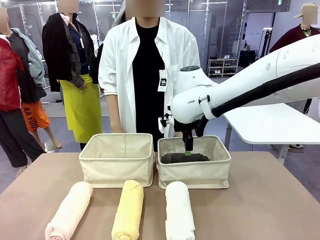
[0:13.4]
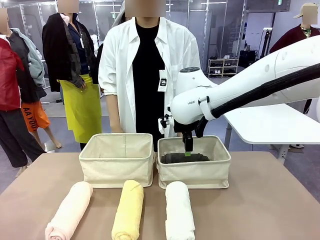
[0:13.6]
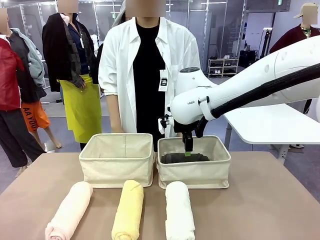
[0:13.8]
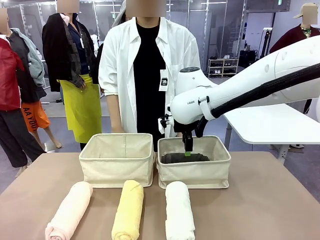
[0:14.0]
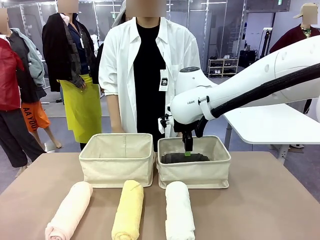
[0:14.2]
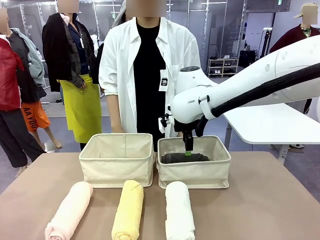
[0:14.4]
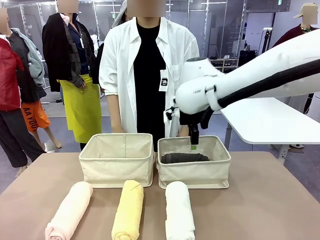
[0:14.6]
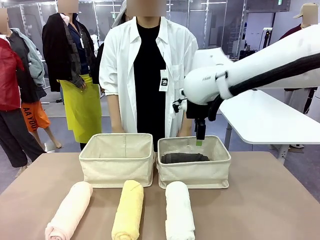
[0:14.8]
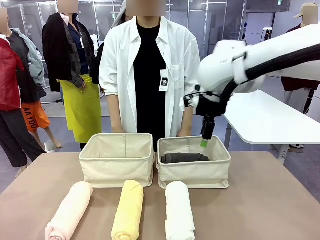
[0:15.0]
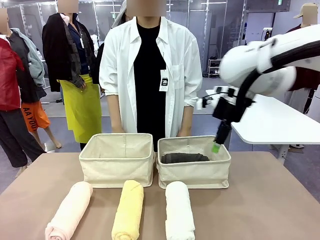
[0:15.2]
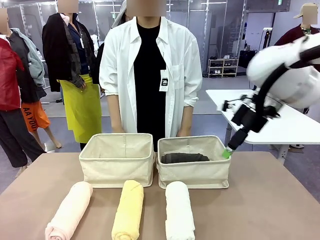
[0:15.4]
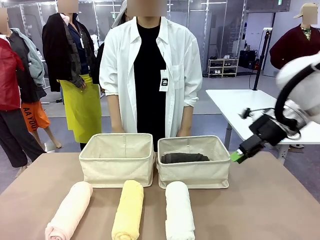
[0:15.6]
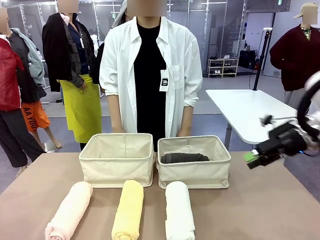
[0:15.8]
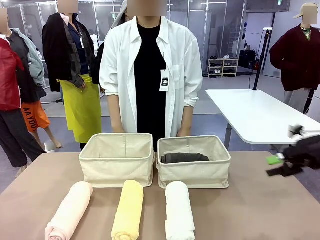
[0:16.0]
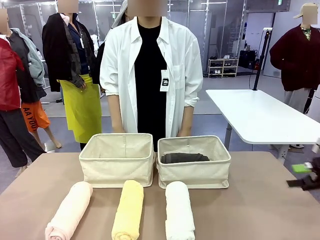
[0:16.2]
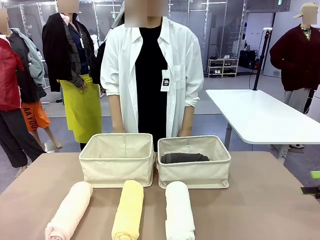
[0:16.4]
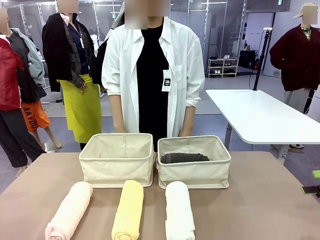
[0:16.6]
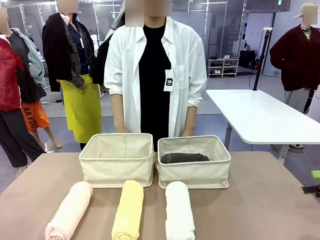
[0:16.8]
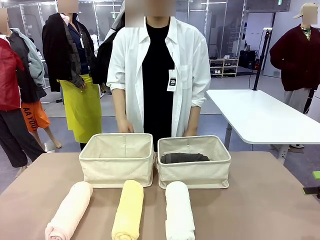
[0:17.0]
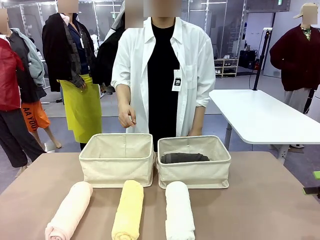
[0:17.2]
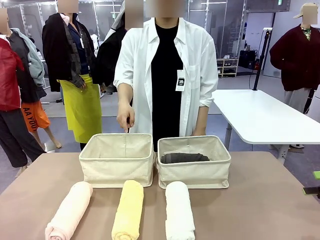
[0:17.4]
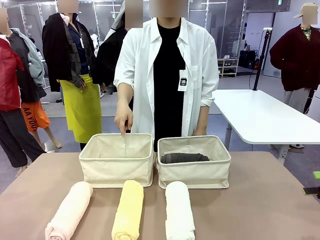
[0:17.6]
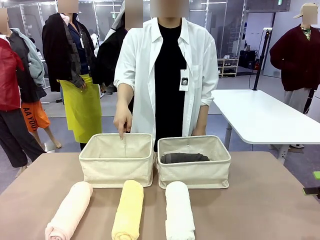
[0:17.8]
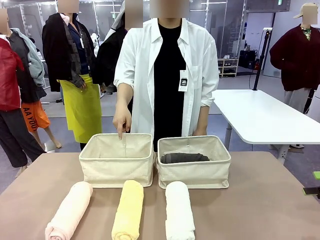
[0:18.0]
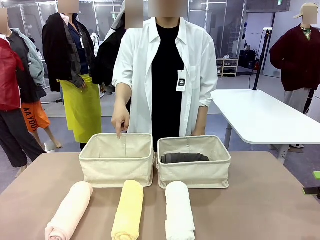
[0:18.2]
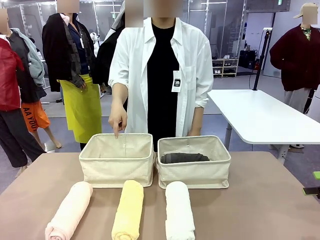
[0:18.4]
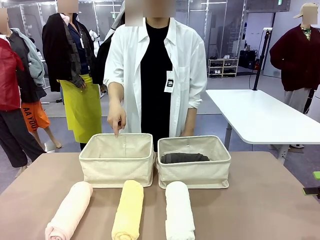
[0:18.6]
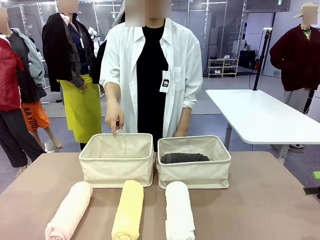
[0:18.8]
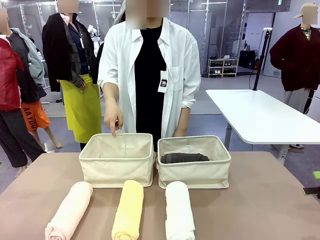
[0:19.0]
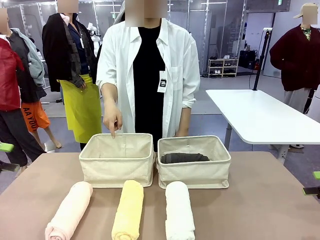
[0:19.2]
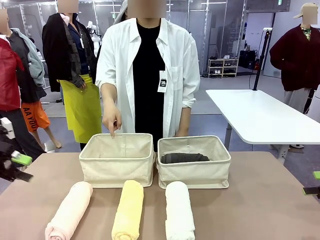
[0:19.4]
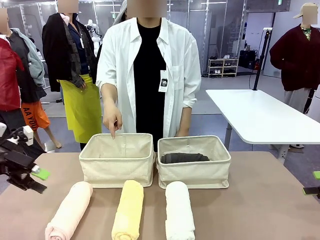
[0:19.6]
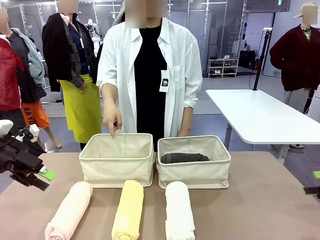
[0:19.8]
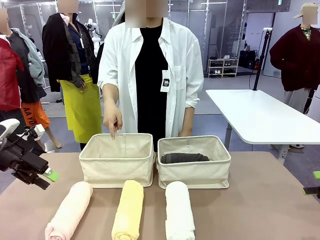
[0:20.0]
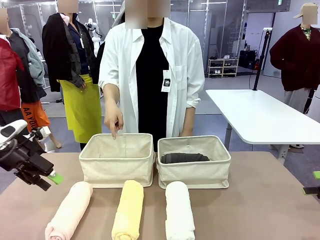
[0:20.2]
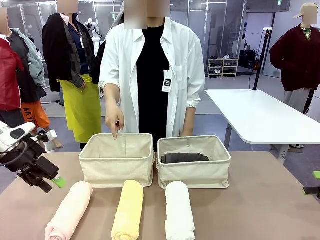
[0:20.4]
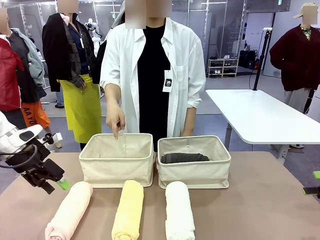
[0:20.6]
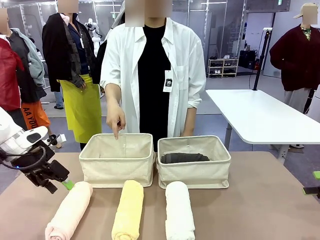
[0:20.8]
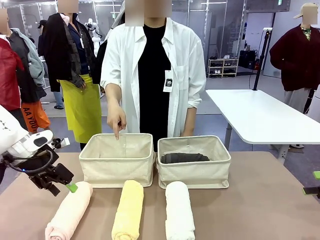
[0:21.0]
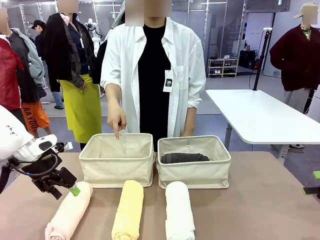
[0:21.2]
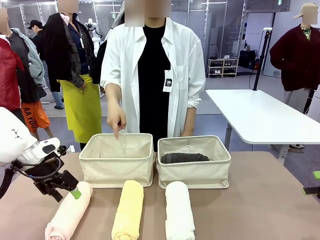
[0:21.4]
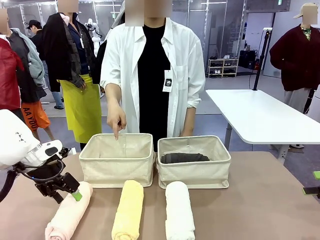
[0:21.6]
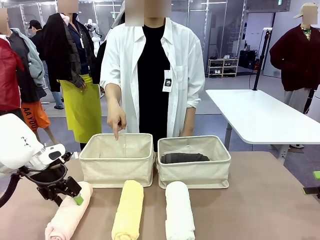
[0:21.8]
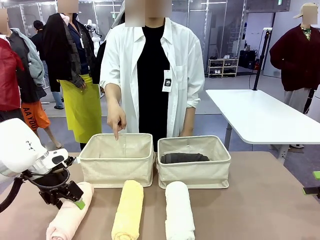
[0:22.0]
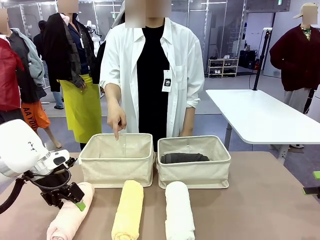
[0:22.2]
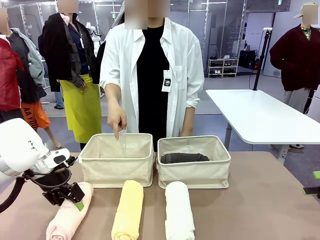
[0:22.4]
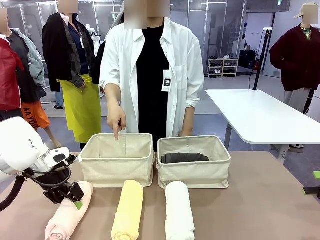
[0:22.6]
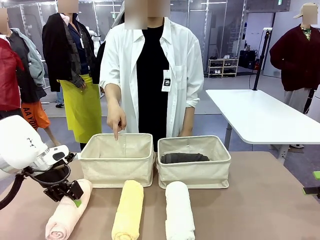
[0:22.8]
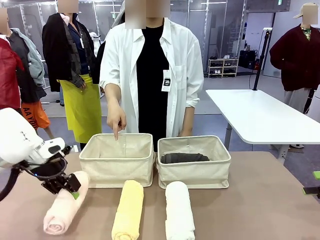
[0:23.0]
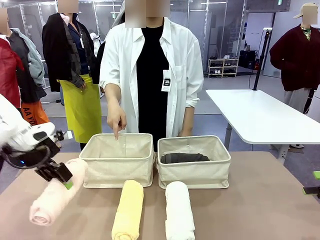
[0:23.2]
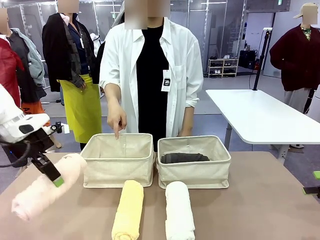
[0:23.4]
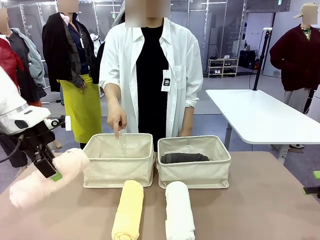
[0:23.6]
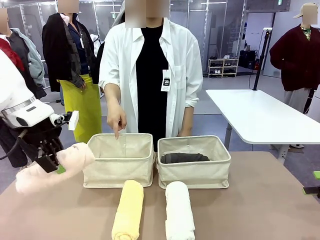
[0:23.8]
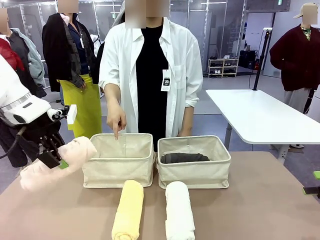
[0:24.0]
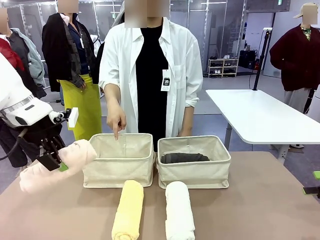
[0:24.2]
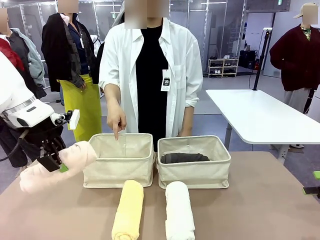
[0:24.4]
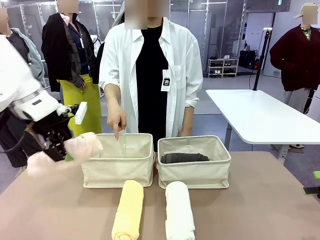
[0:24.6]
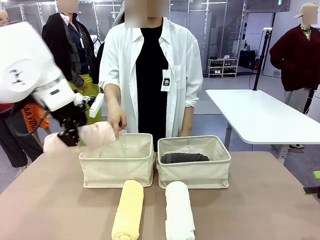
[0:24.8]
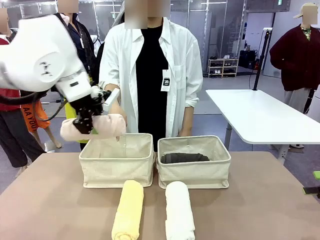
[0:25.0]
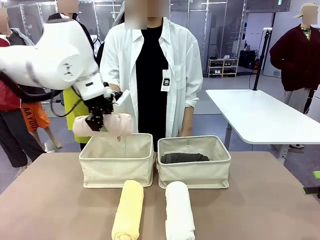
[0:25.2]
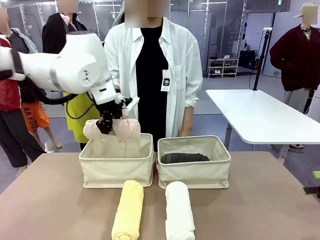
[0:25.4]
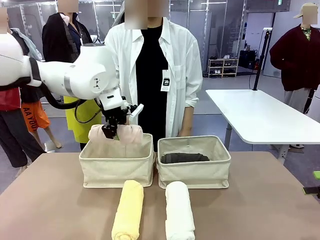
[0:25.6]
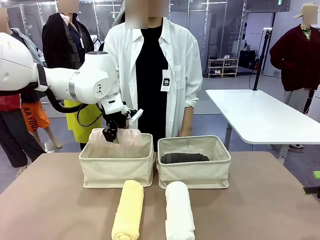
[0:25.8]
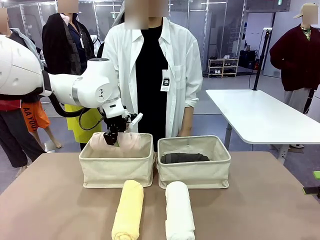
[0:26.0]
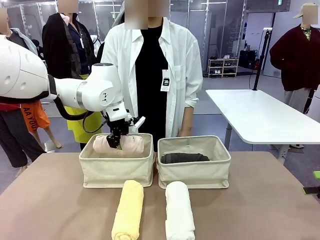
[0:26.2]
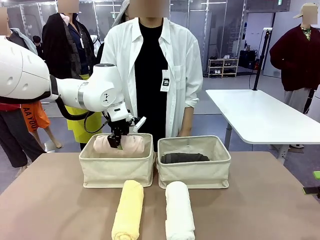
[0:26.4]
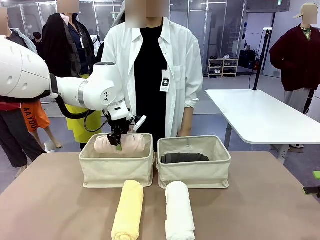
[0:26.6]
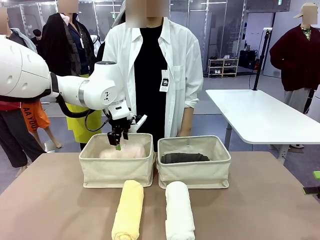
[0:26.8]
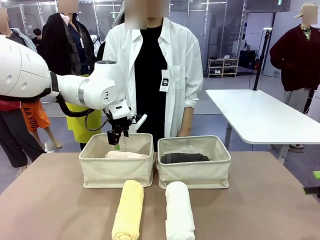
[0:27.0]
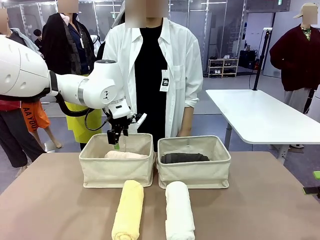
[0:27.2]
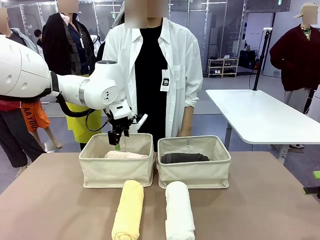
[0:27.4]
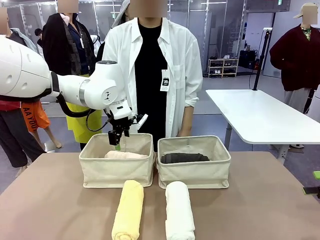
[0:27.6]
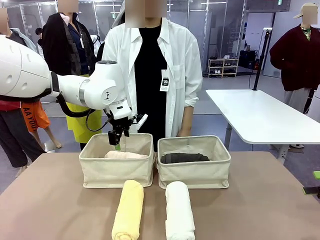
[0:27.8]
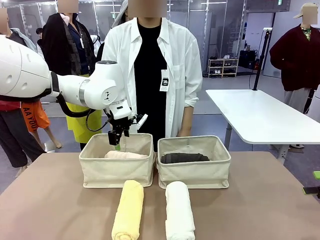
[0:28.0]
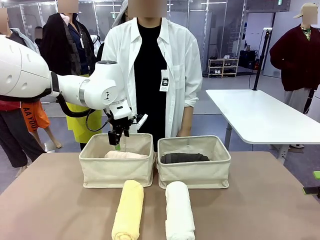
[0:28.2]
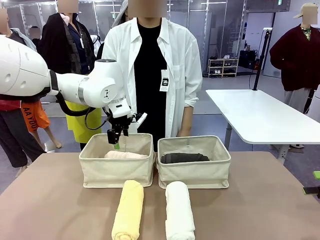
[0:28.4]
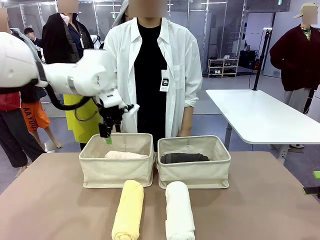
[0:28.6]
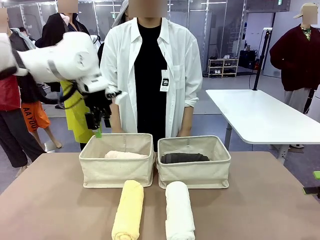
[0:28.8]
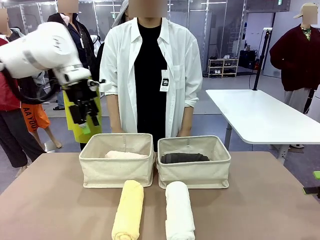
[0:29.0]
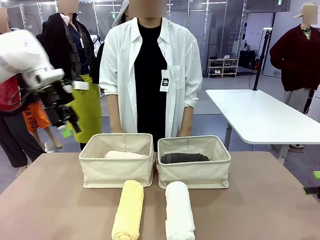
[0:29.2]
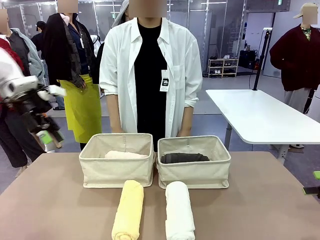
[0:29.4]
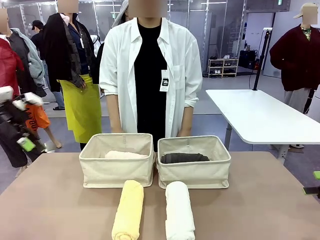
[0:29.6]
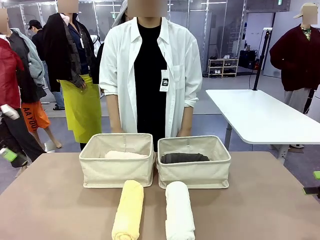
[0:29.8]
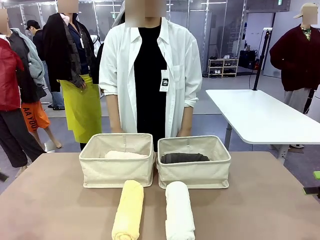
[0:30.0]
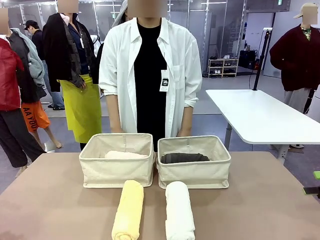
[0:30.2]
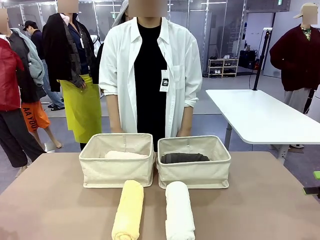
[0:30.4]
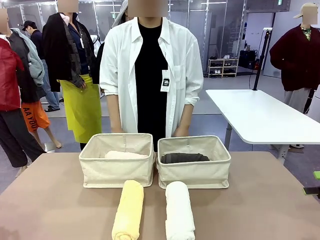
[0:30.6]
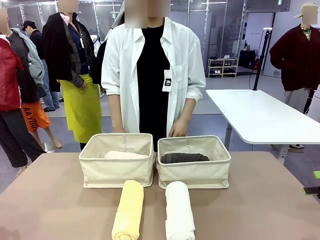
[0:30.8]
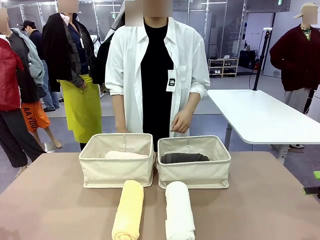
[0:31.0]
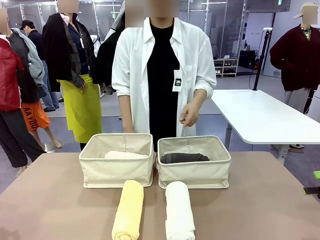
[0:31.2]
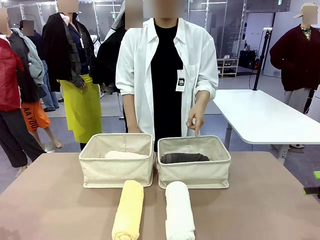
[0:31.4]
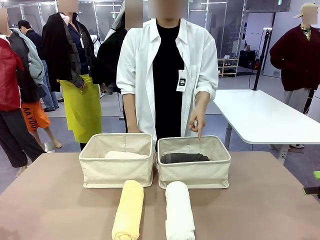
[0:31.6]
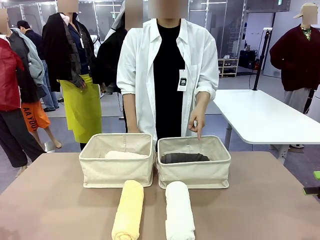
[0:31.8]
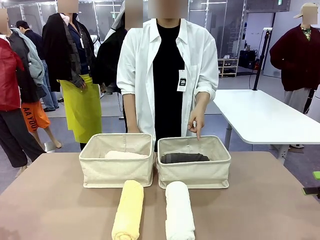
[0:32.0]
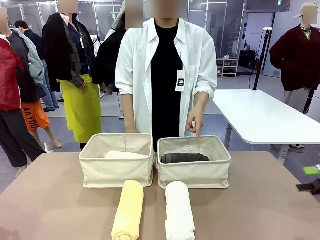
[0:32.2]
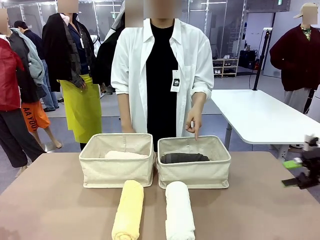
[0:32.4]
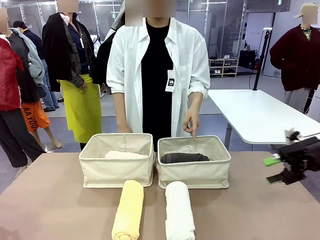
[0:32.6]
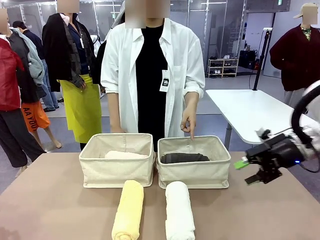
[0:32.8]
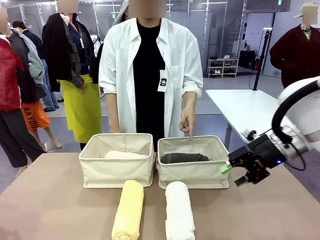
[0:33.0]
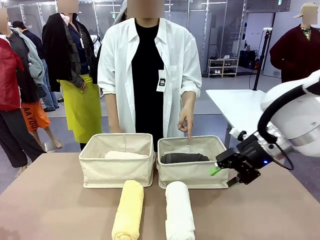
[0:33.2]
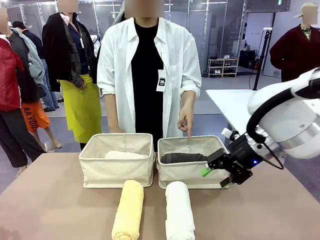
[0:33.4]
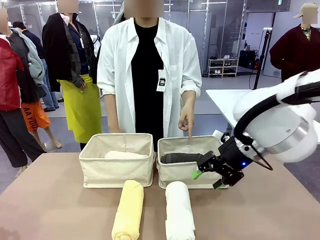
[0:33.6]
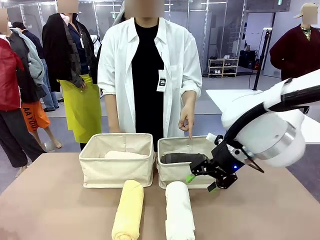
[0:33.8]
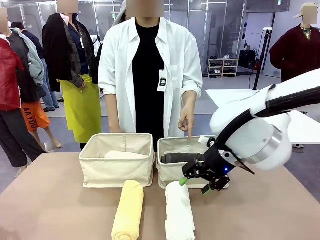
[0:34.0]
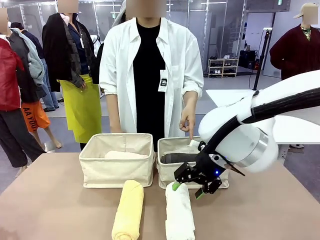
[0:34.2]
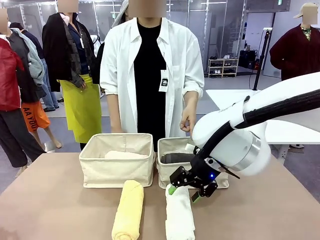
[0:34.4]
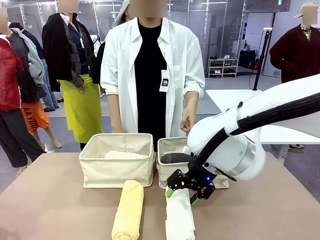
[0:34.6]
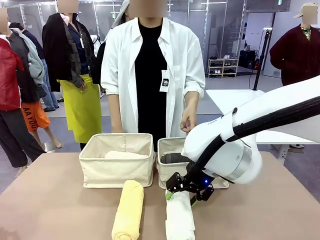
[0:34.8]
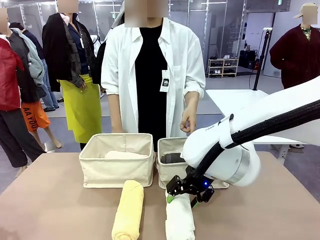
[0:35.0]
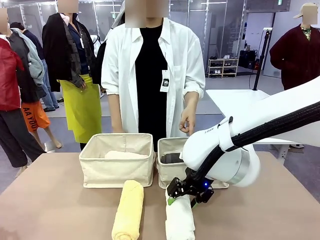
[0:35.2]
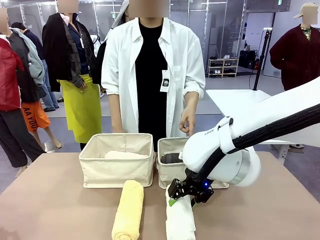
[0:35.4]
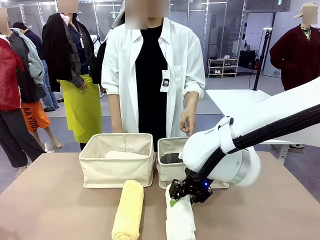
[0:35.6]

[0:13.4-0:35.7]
Task: Divide the towels into two baskets.
Robot: Pick up one hotel-folded towel from the bottom of the table and place it in the Fabric basket indicated by the person.
